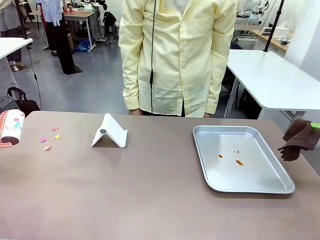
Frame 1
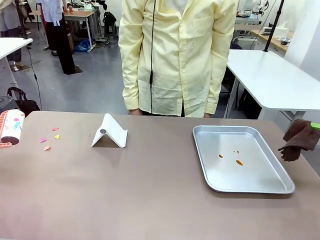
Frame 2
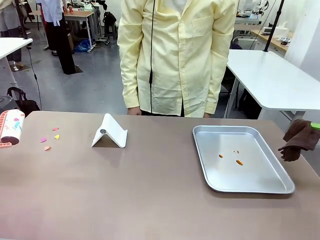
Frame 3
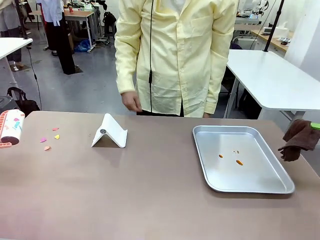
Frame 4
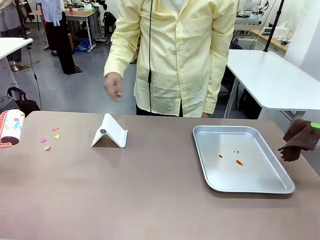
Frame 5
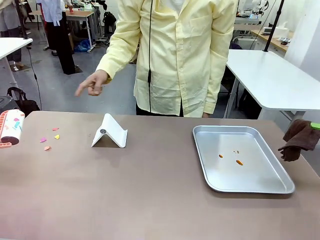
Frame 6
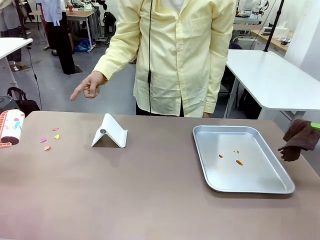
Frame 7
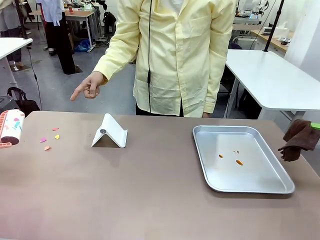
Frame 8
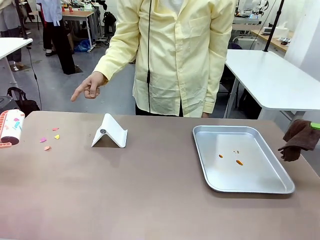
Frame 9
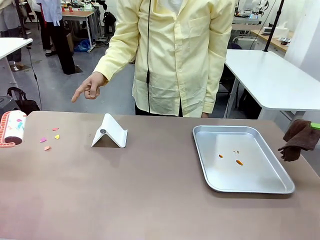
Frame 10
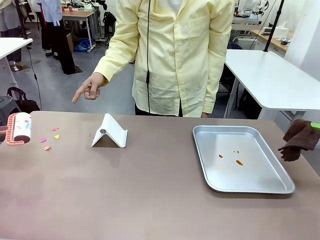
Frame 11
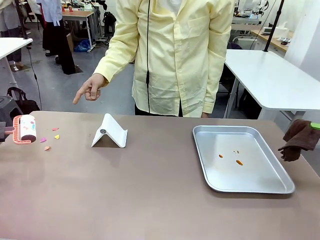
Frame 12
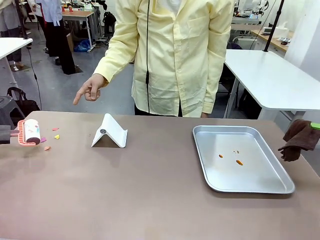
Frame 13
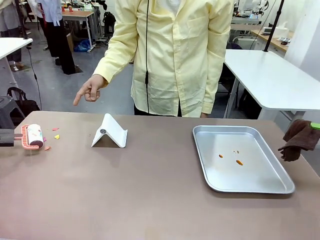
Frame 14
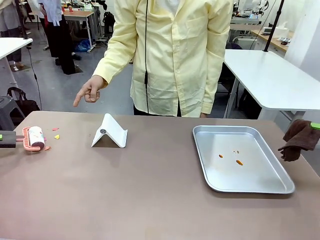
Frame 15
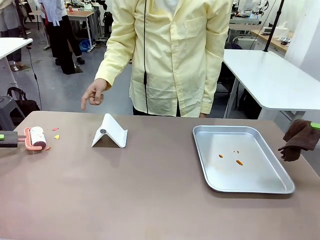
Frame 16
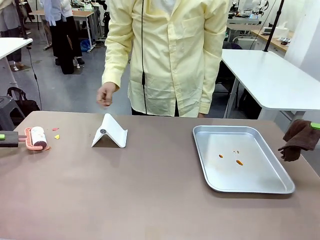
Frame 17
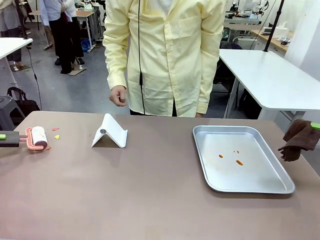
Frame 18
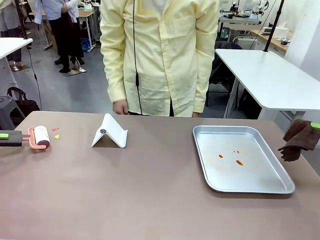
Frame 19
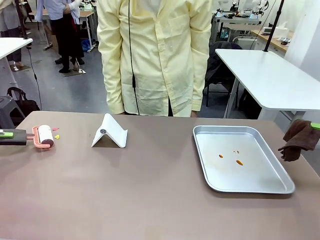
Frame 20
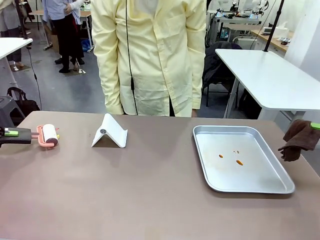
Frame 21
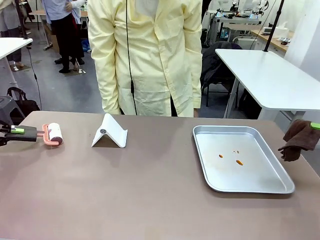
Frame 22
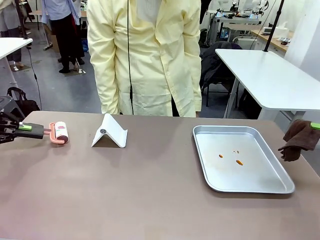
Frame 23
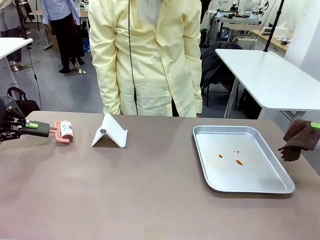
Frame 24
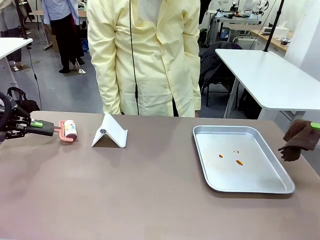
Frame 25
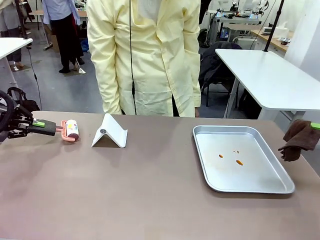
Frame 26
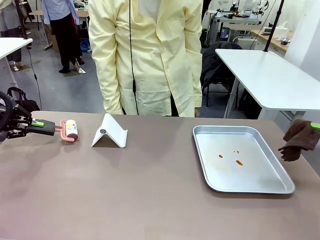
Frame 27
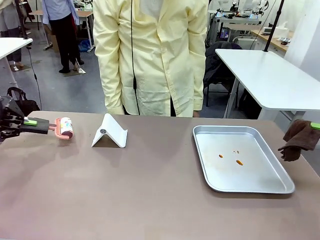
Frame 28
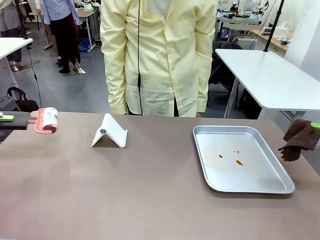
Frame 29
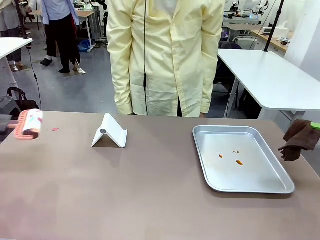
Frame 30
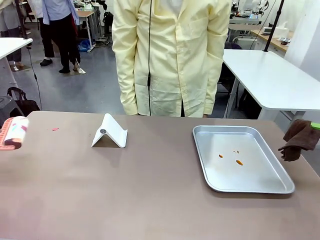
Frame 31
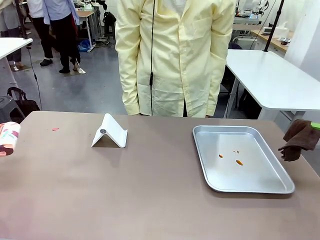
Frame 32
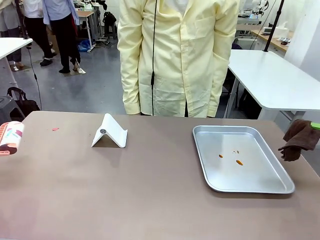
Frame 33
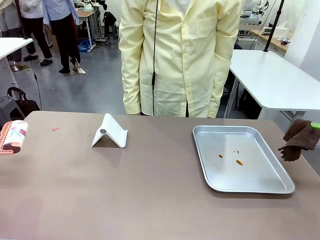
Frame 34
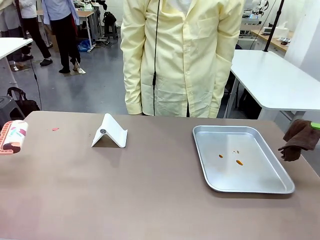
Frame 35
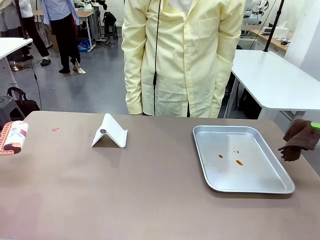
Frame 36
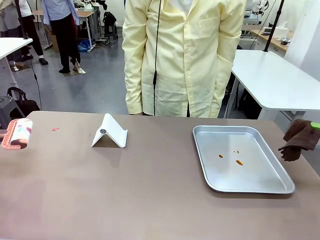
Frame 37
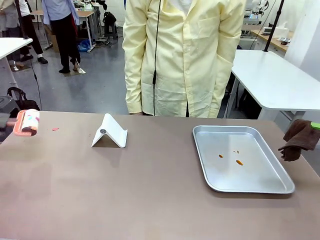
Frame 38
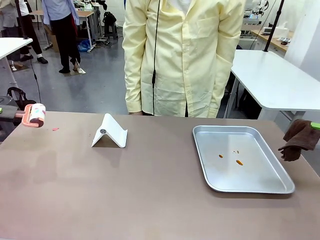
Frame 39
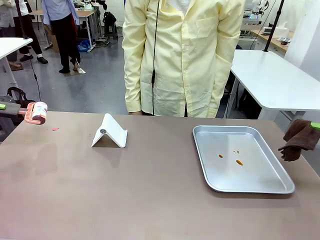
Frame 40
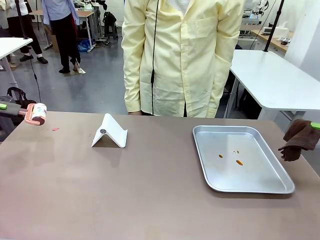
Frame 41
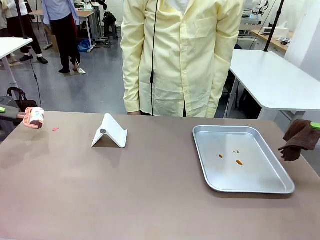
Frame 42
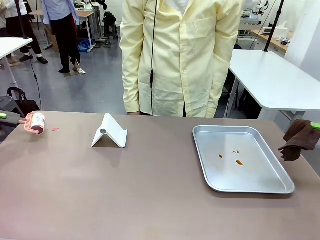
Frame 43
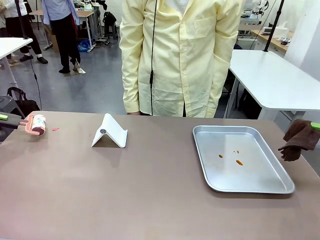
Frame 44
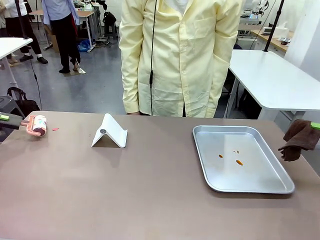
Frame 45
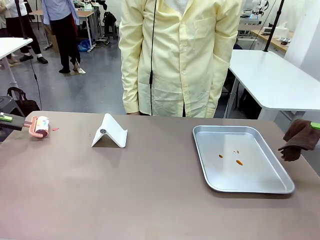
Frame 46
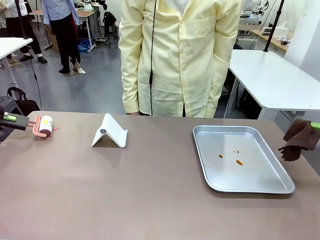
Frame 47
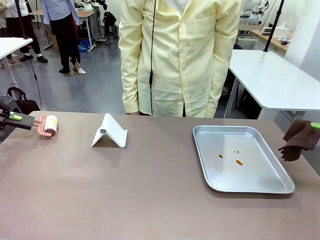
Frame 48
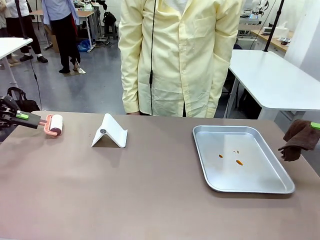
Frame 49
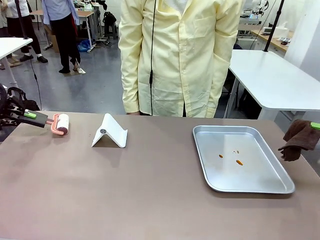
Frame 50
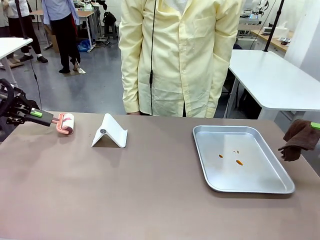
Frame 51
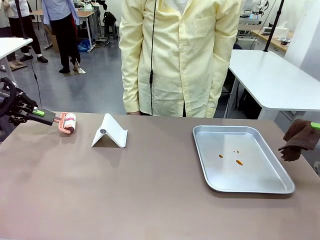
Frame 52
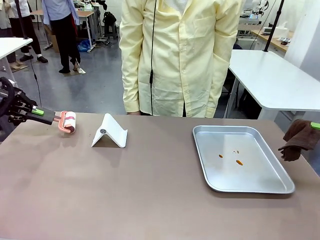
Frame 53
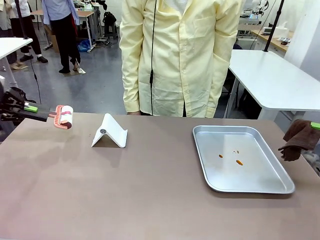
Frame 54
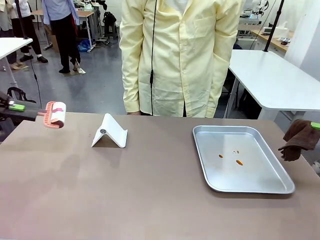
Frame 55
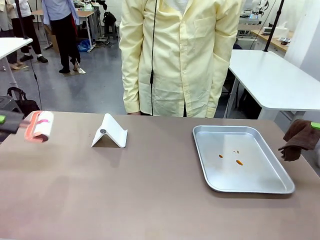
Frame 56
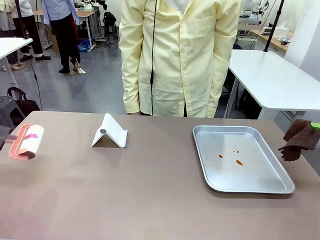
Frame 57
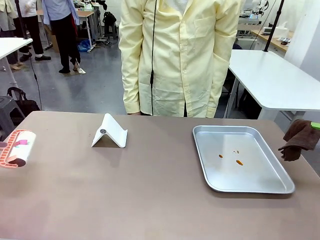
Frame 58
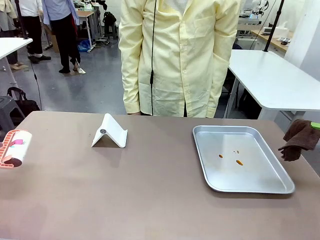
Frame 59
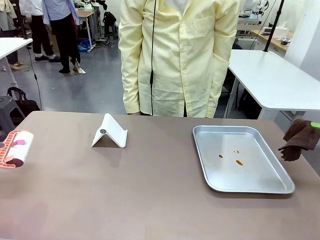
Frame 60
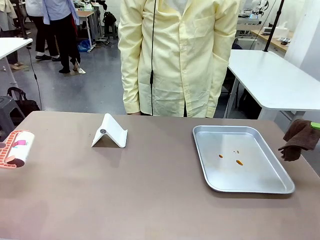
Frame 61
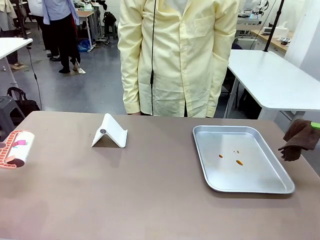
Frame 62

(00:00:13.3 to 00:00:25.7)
Task: Clean the surface of the table.
Robot: If a person points to the right, clean the right side of the table with your right hand, and if they point to the left, clean the left side with your left hand.

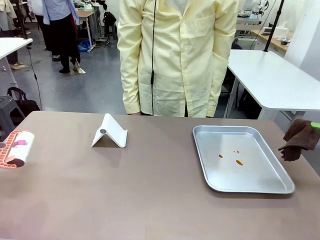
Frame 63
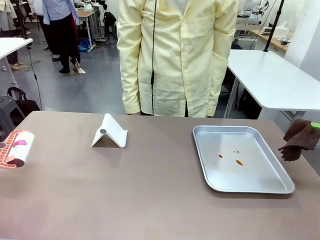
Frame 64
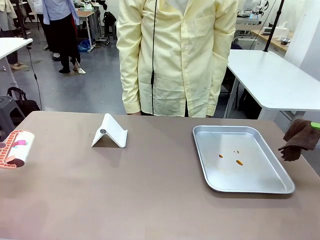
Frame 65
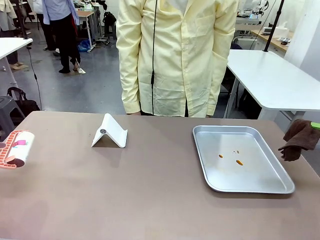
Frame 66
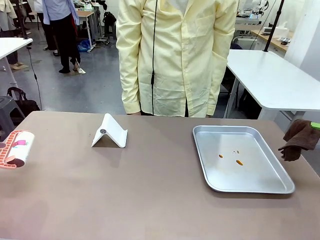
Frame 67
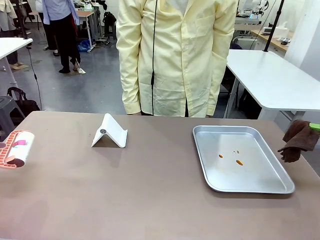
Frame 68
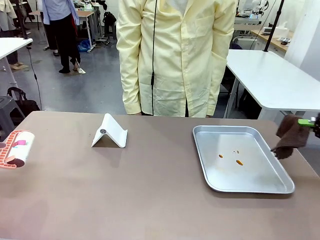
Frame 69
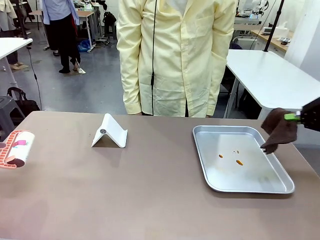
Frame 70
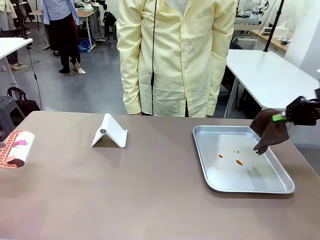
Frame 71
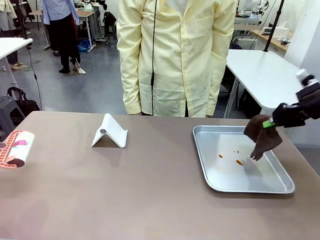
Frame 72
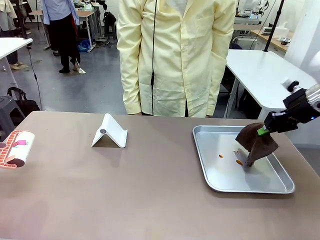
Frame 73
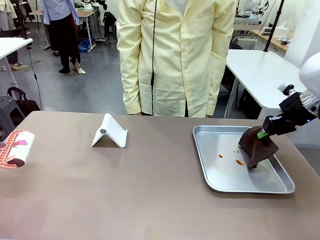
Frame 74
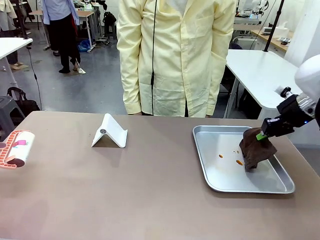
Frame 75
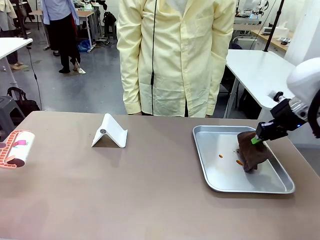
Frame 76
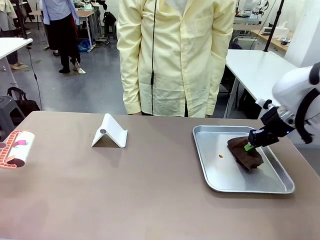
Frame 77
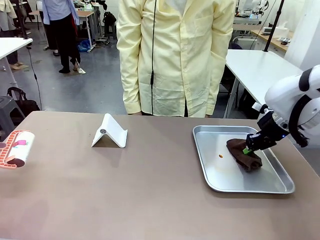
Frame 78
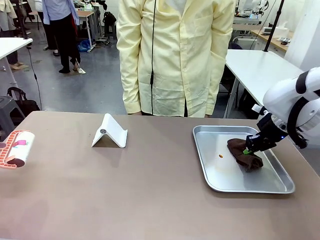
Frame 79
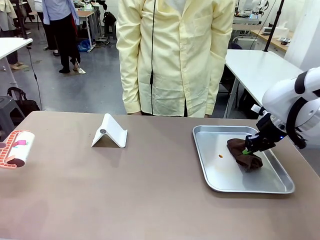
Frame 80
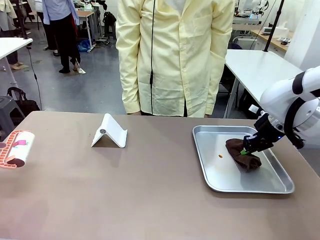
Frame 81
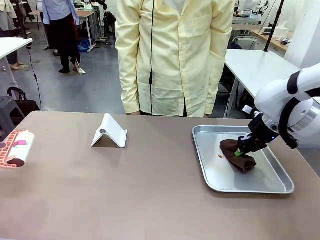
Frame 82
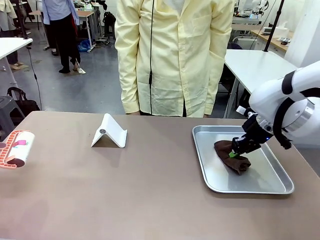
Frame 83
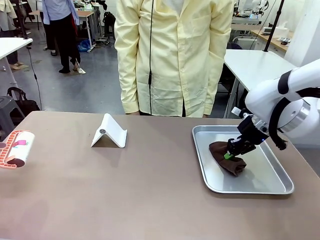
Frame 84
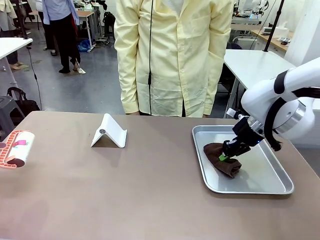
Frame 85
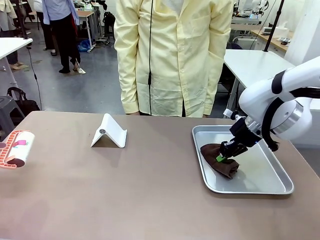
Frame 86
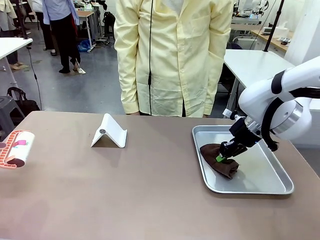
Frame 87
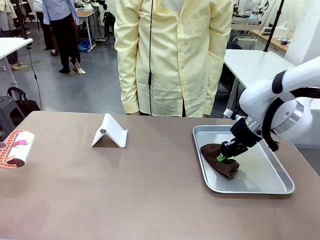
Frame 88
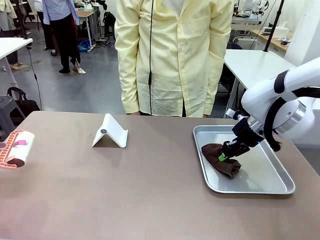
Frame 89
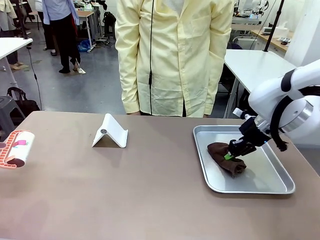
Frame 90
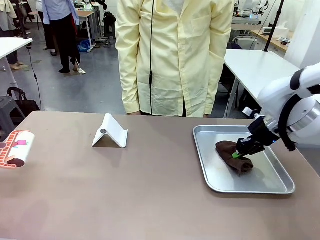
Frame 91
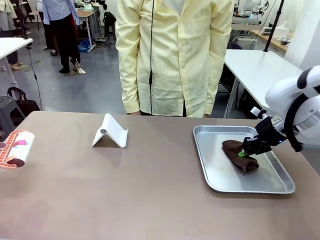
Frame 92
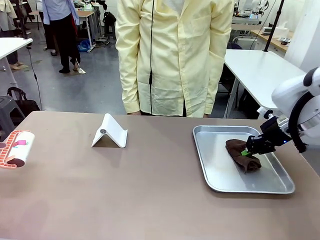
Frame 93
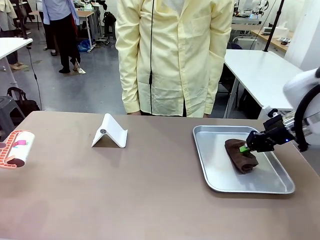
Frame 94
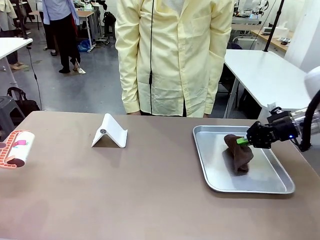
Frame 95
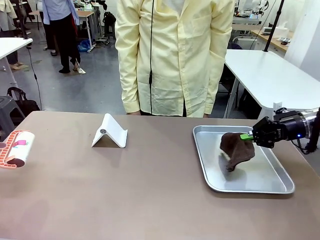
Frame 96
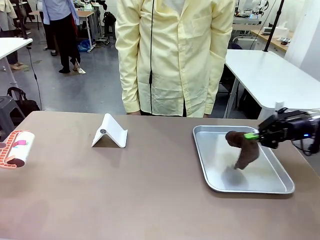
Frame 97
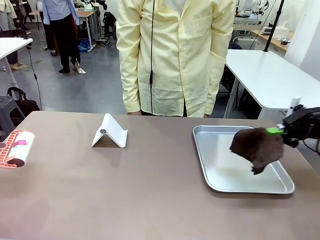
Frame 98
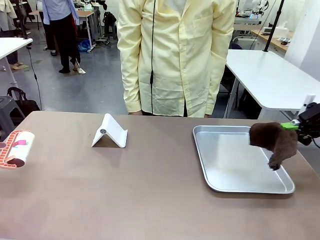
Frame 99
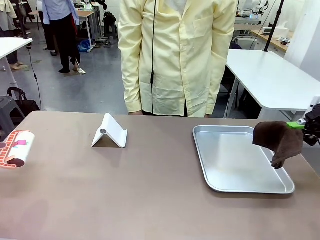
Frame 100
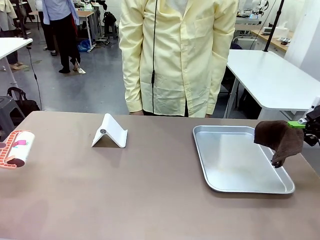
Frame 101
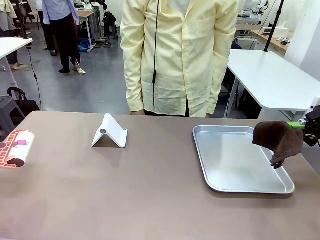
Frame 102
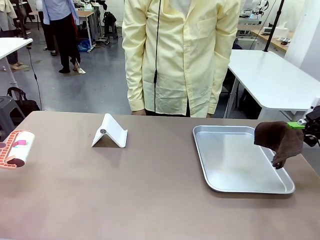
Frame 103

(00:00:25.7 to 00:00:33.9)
Robot: Clean the area not pointed to by the person.
